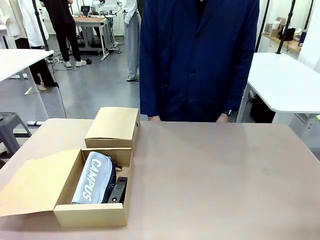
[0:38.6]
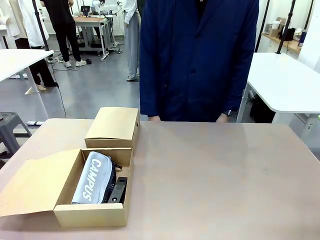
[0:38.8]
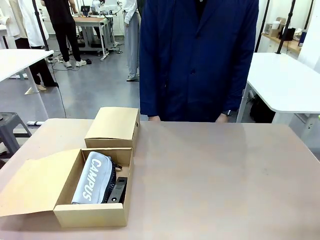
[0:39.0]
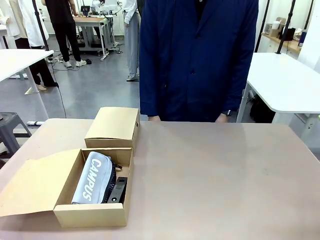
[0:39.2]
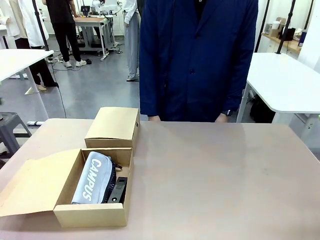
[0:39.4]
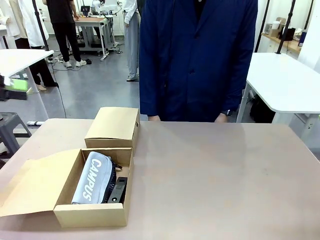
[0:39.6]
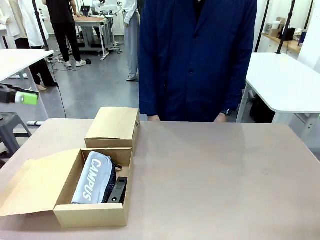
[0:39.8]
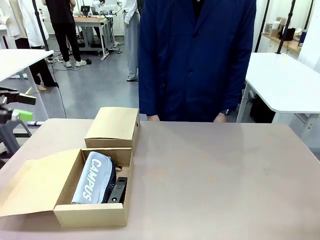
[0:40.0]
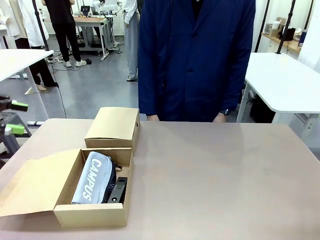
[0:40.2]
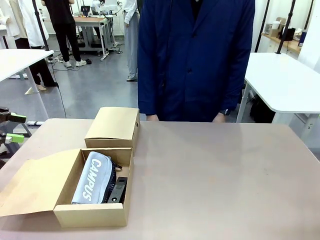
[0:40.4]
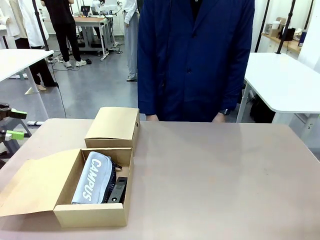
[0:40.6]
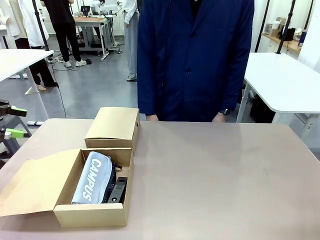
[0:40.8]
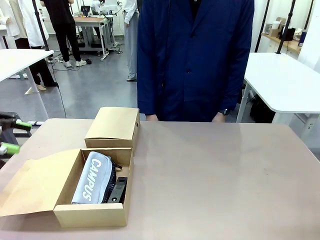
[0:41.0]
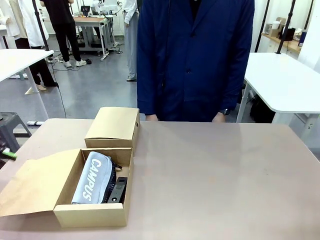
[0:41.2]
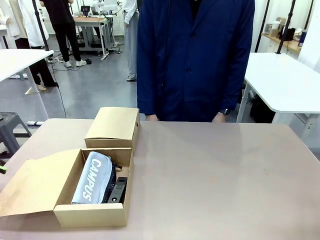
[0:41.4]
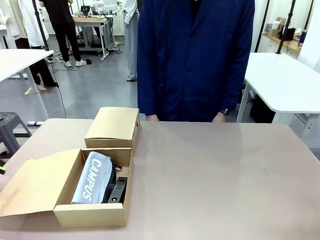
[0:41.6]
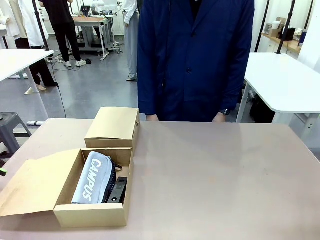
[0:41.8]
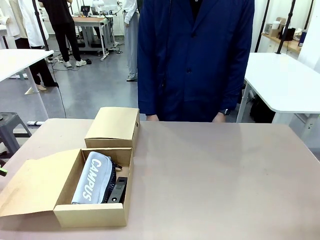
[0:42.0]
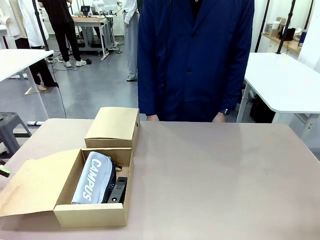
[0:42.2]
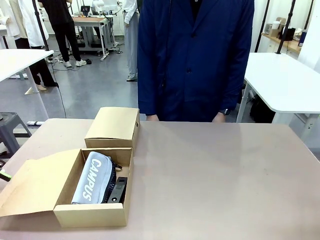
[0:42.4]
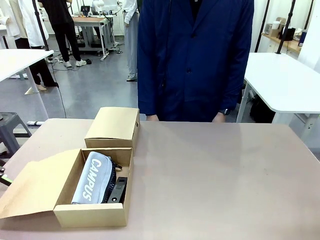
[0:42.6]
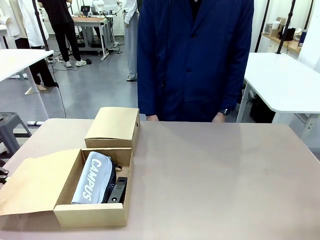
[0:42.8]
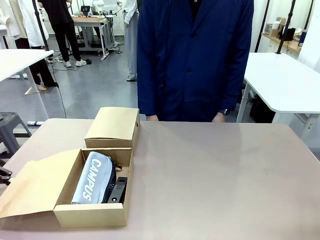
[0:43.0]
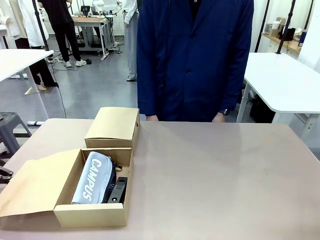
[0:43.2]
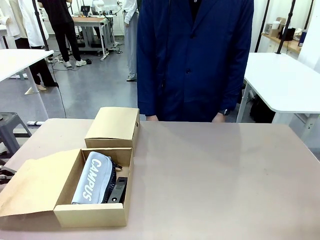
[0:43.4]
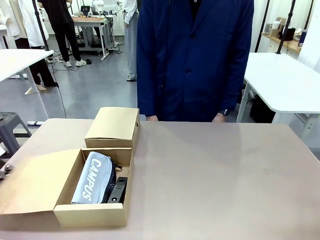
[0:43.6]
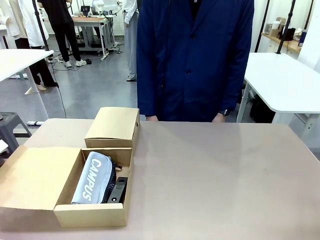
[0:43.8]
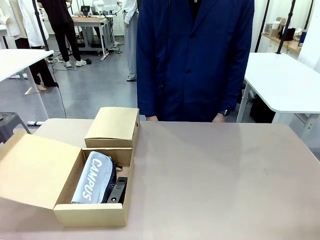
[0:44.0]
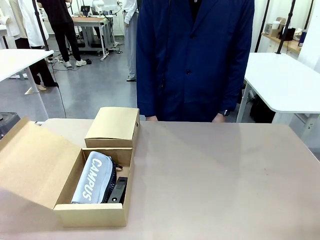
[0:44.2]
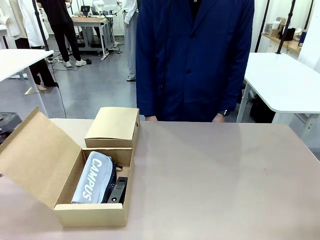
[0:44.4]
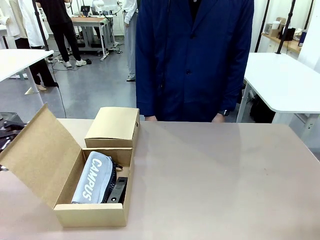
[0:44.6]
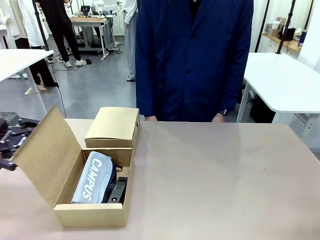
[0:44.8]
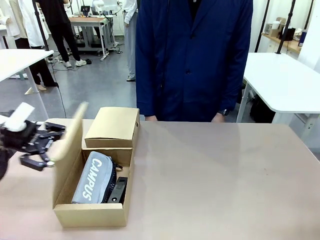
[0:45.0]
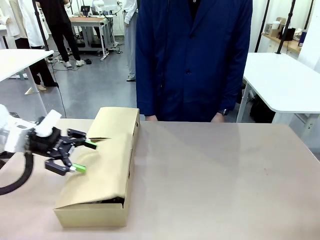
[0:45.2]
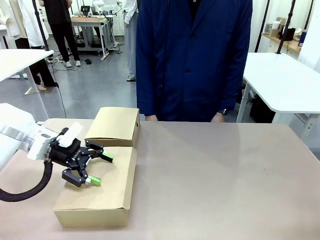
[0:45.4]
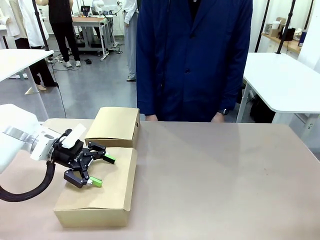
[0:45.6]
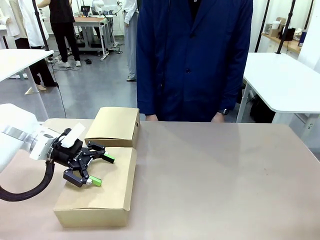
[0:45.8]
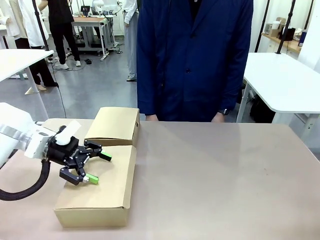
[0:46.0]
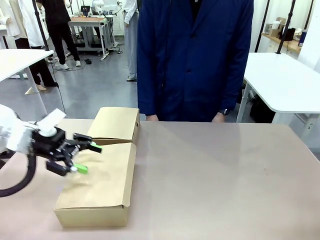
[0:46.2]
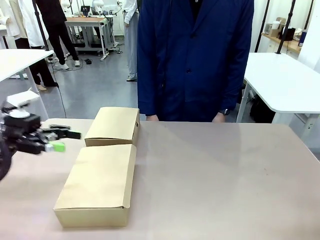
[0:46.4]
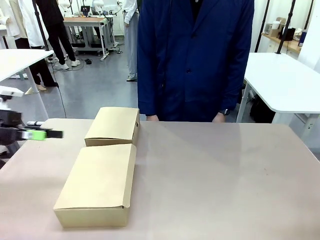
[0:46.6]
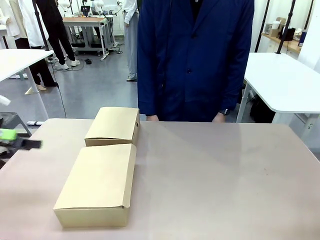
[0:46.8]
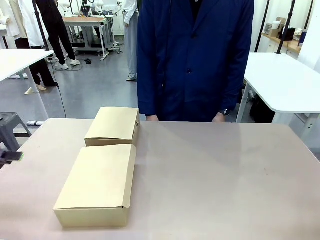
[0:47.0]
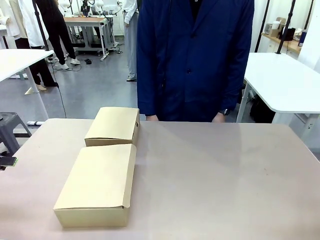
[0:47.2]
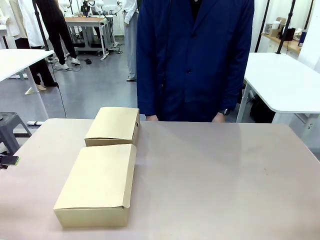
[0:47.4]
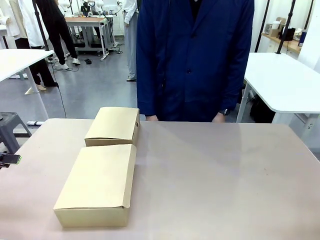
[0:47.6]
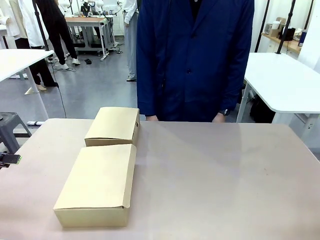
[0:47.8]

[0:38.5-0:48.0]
Task: Place items inside the box.
Robot: Close the lid of the Mailer Box closest to the robot.
Person: Close the lid of the box facing the person.

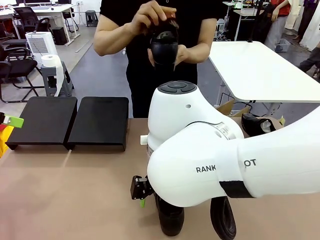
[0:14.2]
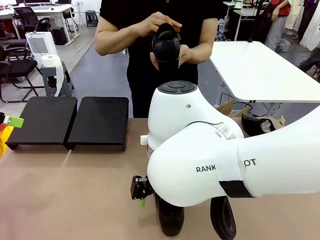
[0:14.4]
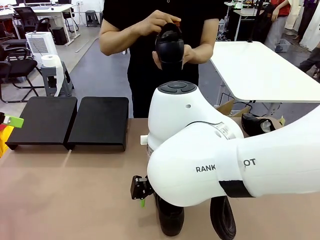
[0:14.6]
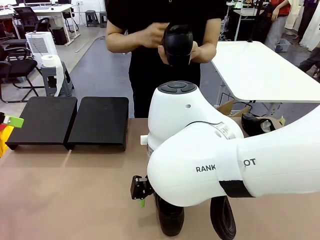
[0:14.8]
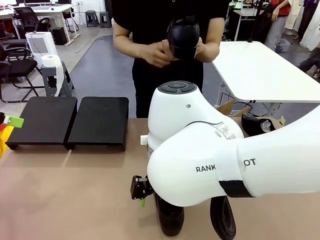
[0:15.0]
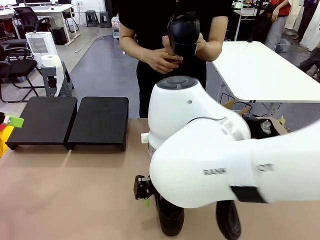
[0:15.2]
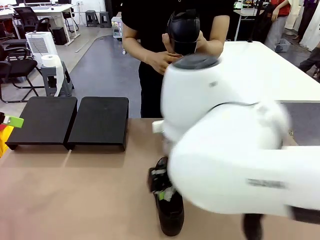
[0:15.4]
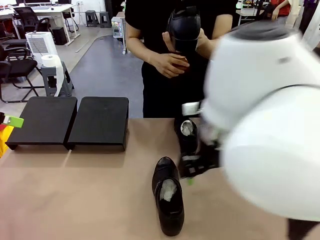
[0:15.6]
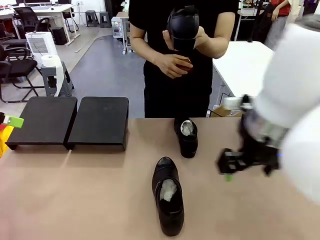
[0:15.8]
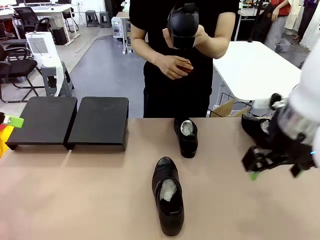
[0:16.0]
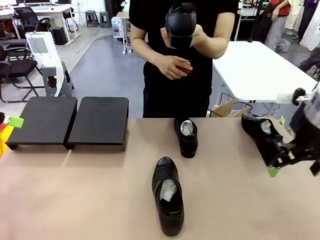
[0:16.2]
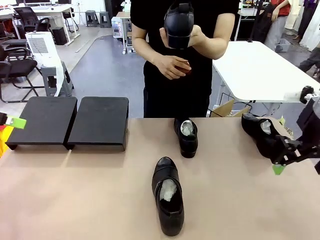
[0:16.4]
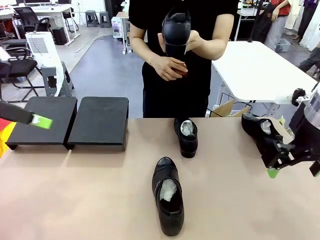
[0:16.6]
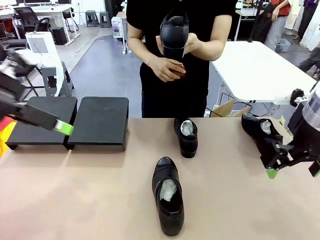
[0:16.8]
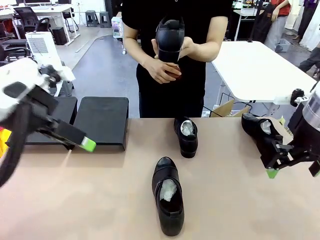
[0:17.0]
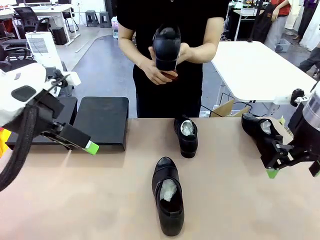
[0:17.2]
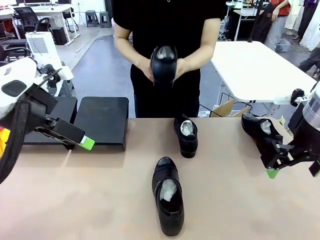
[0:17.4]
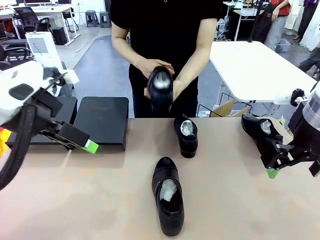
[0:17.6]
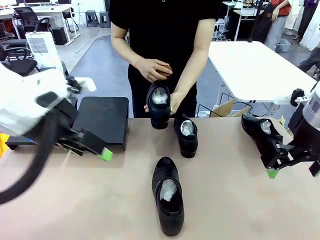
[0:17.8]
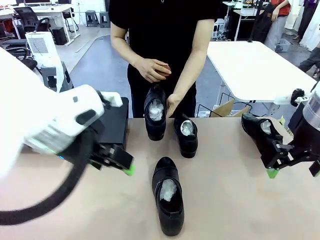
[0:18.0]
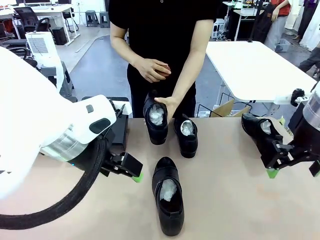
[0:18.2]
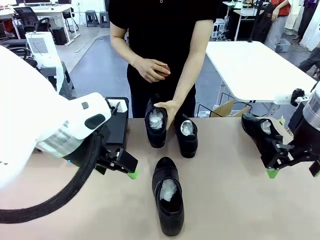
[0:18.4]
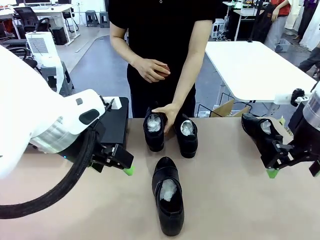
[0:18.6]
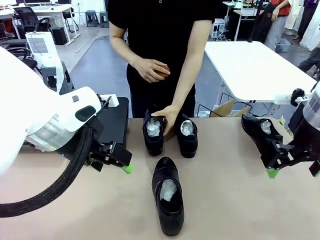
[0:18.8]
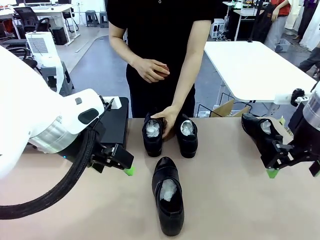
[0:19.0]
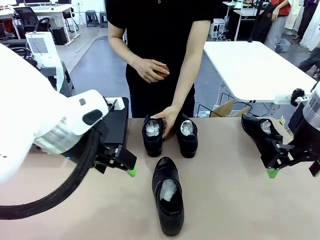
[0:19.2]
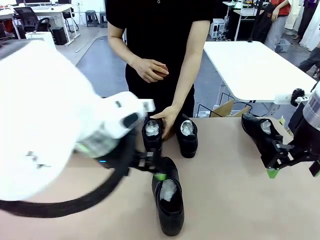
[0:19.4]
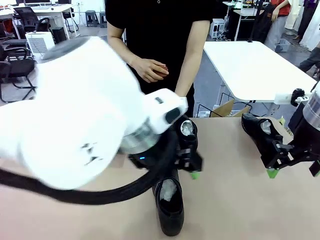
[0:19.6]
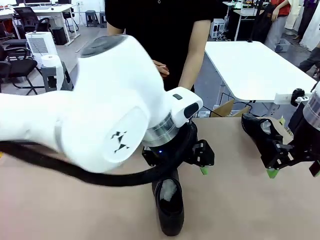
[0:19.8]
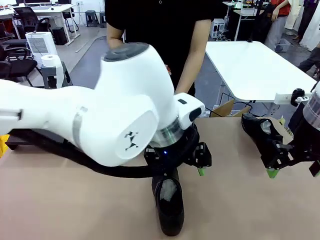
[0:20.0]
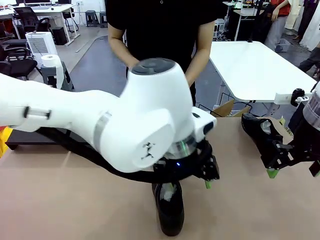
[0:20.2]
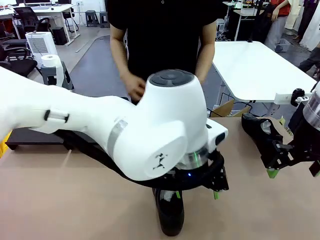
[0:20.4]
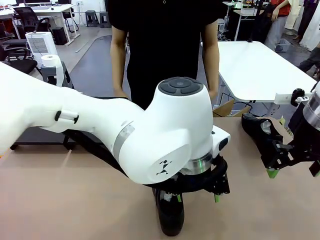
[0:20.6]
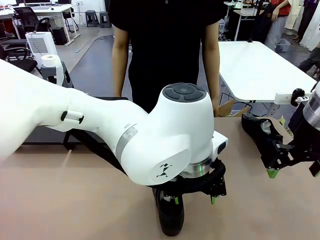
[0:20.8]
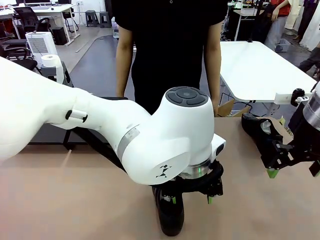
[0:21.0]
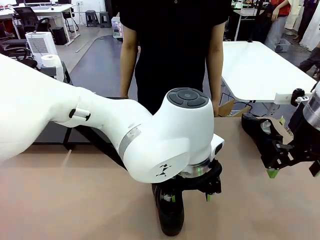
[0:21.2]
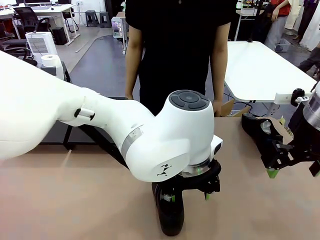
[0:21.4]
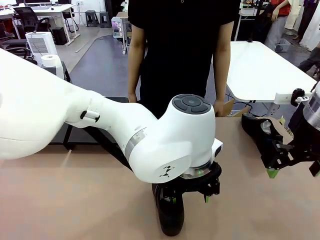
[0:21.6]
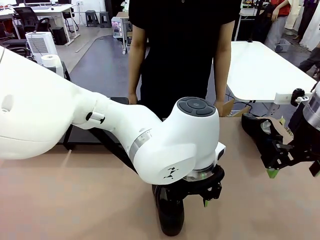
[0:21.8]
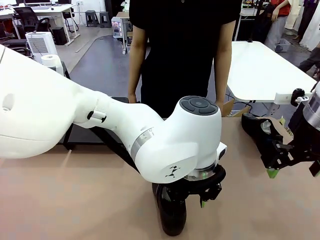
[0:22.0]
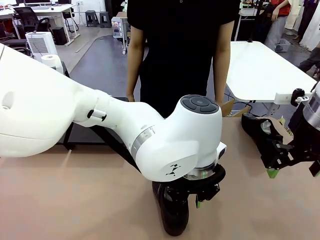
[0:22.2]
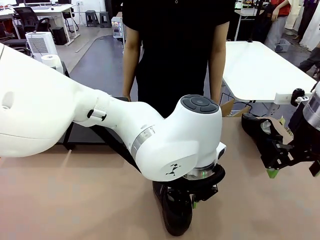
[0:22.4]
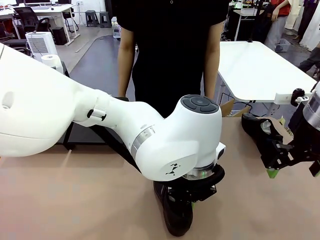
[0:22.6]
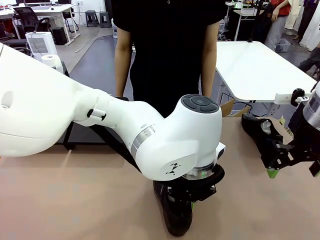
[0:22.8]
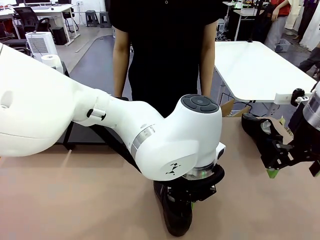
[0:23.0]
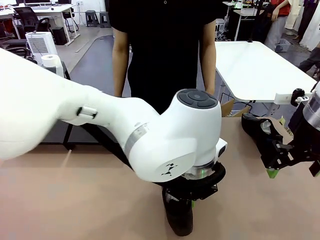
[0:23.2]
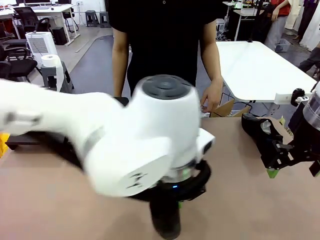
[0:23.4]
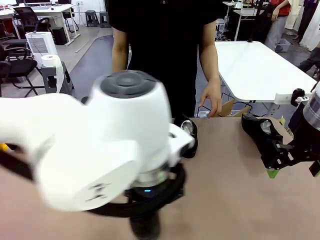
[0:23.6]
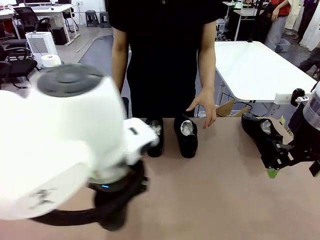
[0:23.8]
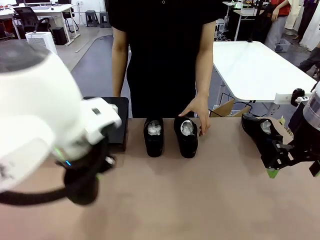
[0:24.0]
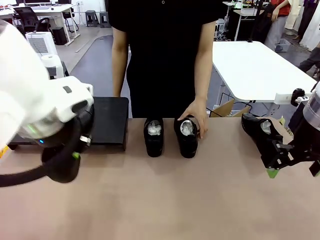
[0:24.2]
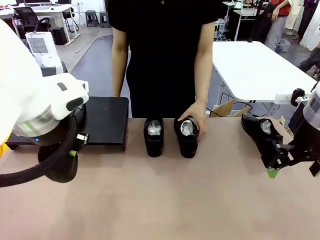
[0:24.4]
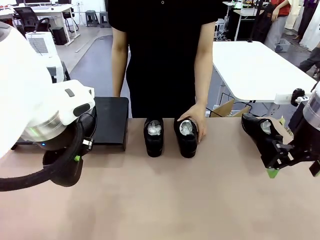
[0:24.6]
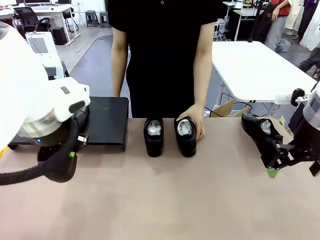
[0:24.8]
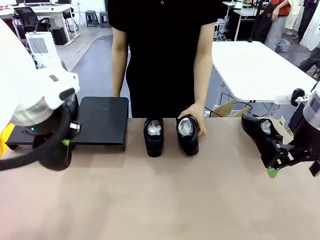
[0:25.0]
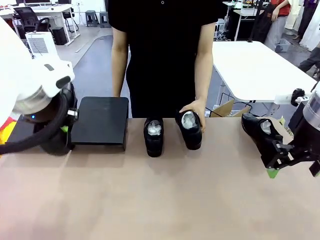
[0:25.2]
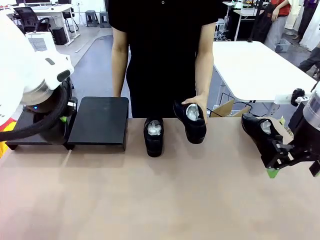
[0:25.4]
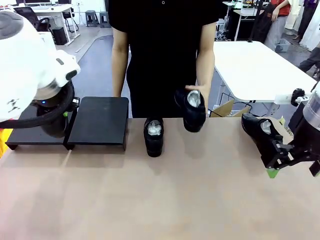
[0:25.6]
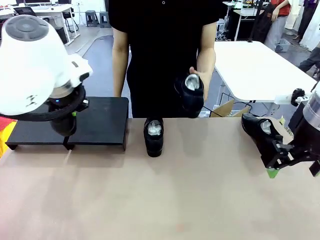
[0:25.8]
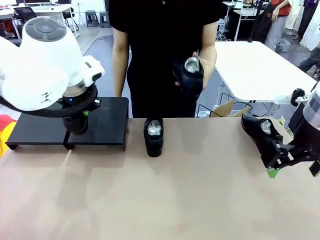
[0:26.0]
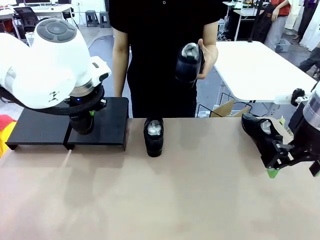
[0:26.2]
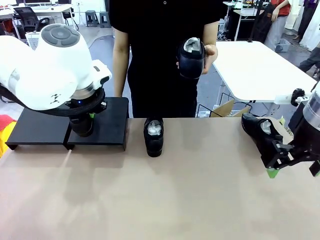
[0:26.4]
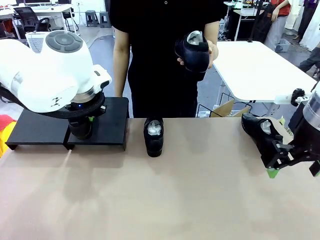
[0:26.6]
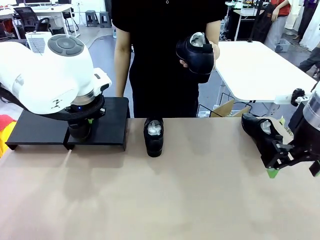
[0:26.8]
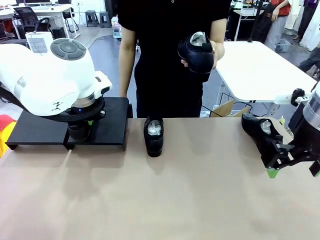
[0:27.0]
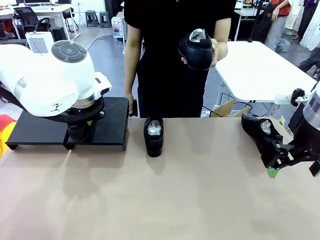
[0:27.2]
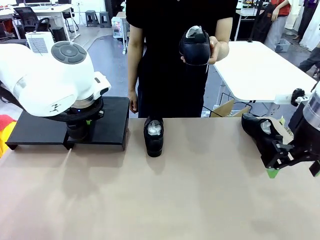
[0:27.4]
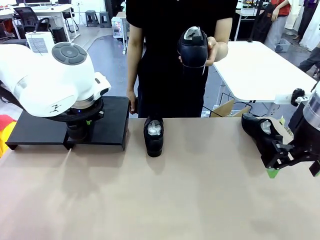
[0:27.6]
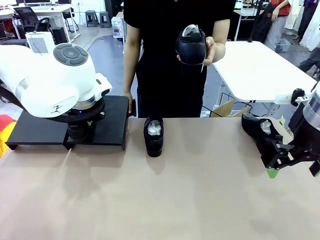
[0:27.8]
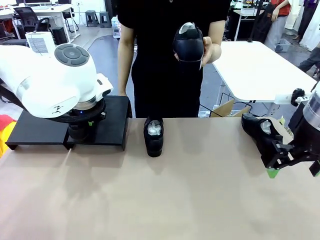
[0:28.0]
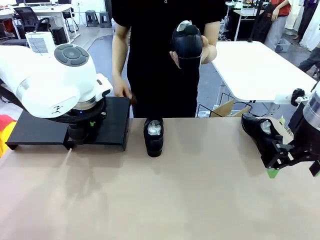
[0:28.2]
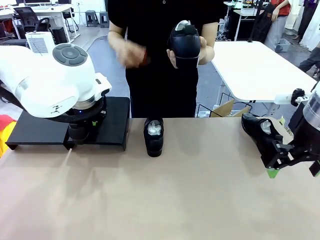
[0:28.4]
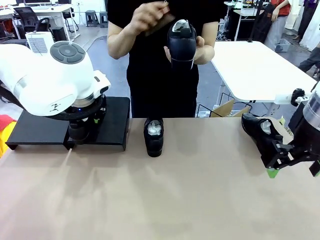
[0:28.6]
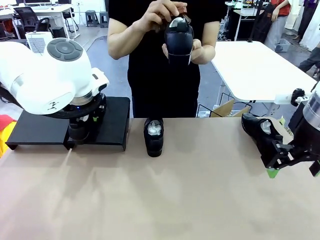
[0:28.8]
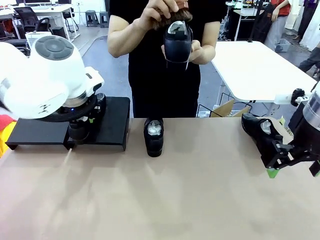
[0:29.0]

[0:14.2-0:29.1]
Task: Organize the shoes by placing them on the stand.
Robot: Place the Shoe from the middle of the table onto the Shoes Stand.
Person: Place the Shoe on left side of the Robot's table. Pick one Shoe on Robot's table.
